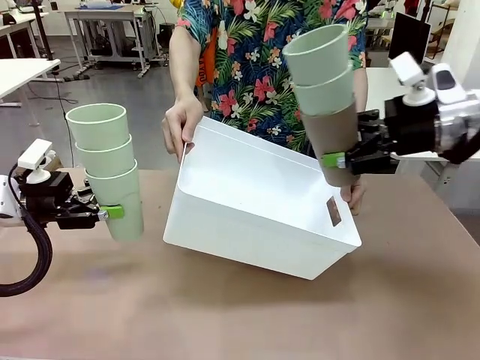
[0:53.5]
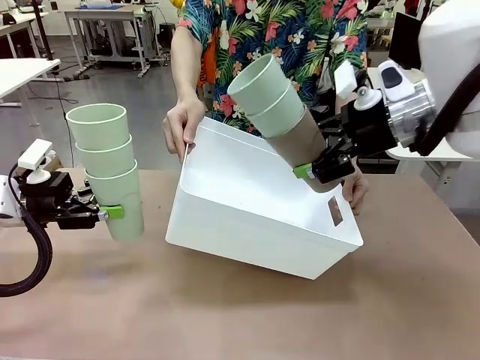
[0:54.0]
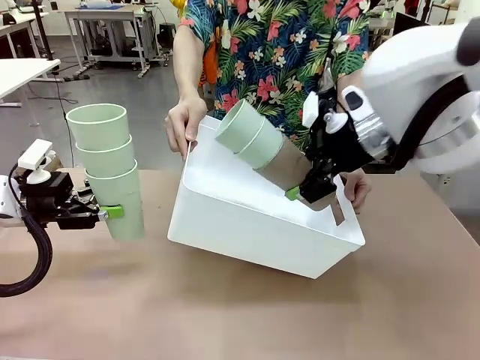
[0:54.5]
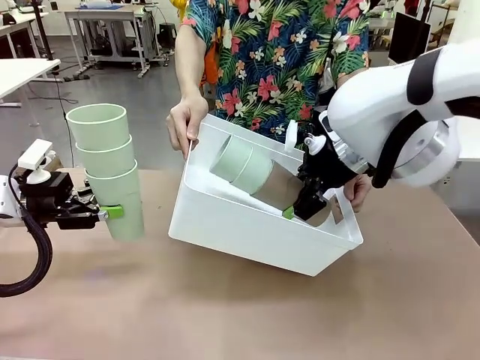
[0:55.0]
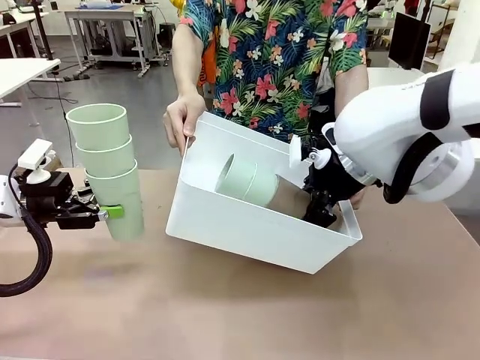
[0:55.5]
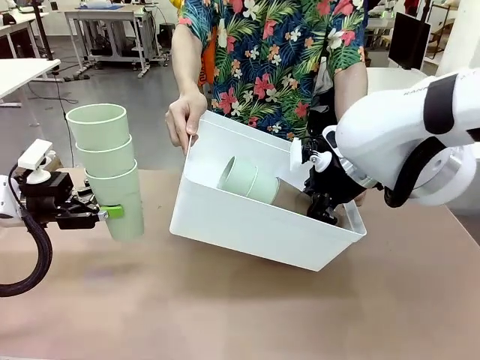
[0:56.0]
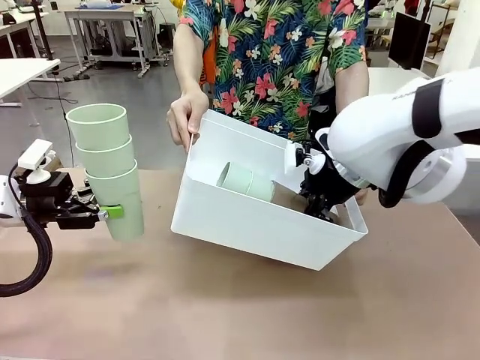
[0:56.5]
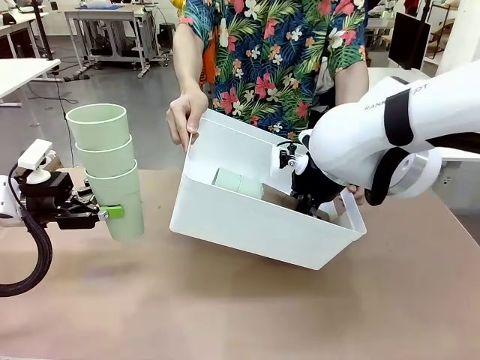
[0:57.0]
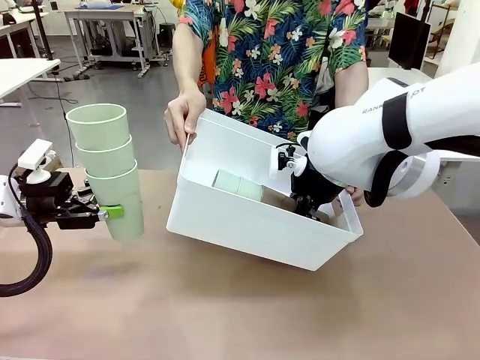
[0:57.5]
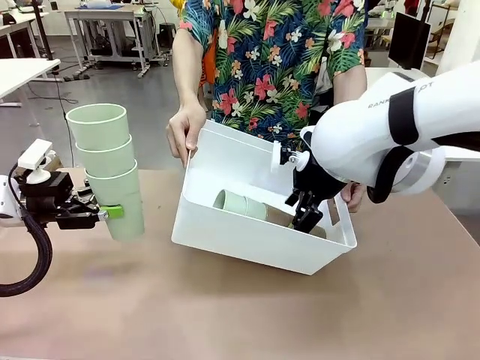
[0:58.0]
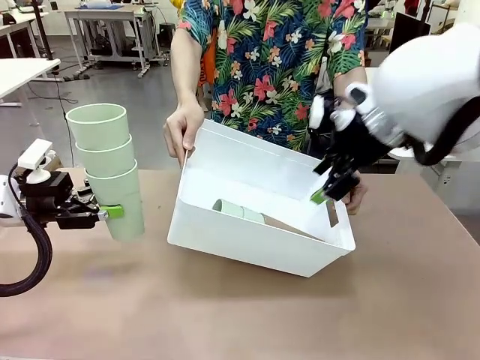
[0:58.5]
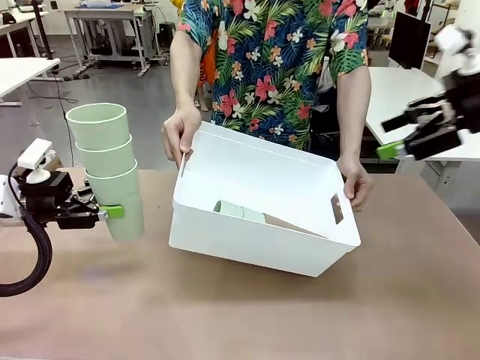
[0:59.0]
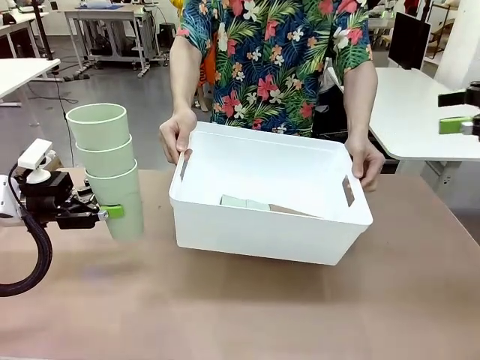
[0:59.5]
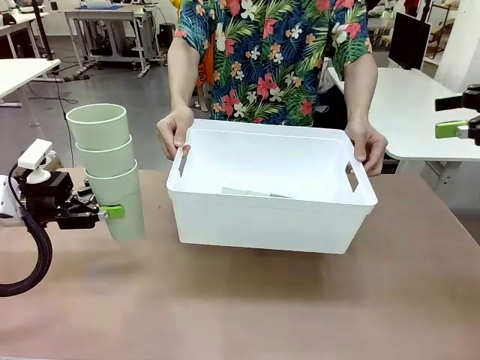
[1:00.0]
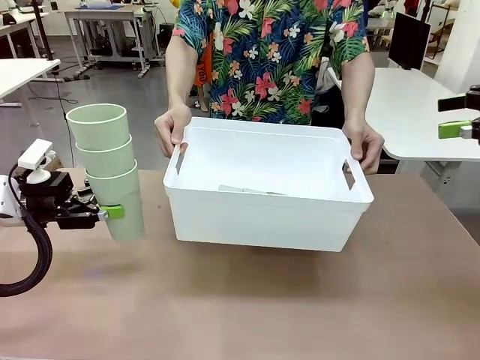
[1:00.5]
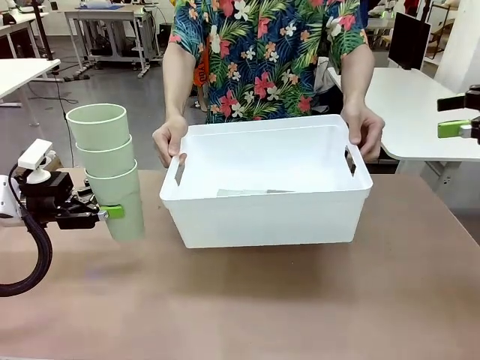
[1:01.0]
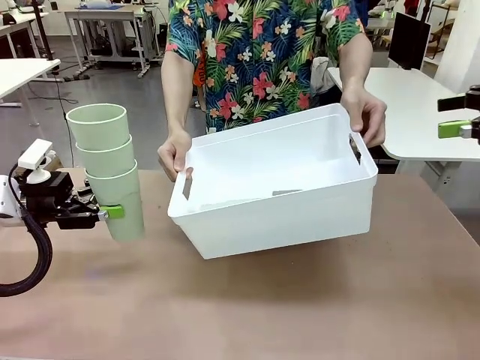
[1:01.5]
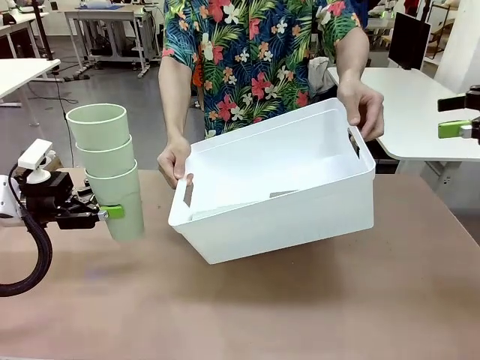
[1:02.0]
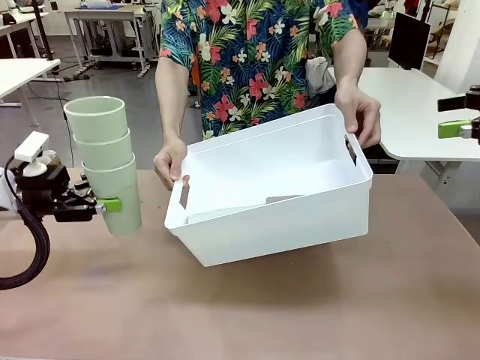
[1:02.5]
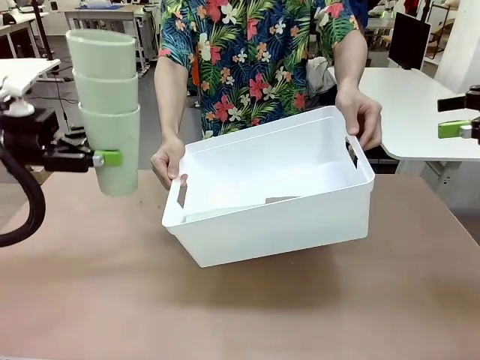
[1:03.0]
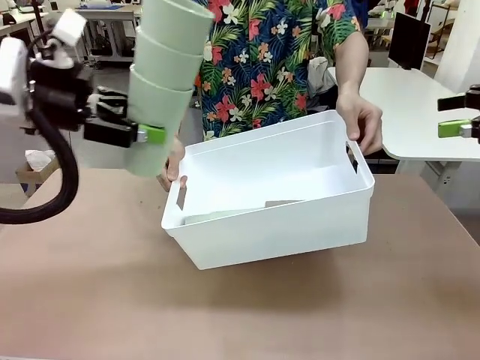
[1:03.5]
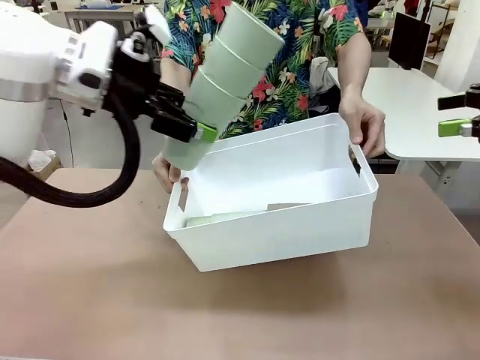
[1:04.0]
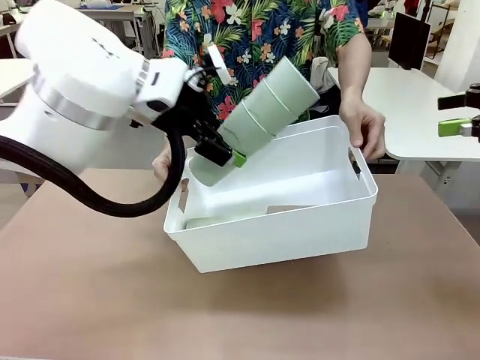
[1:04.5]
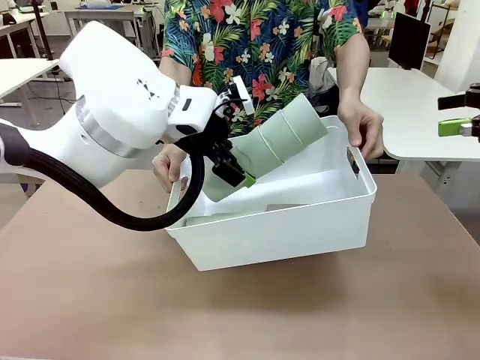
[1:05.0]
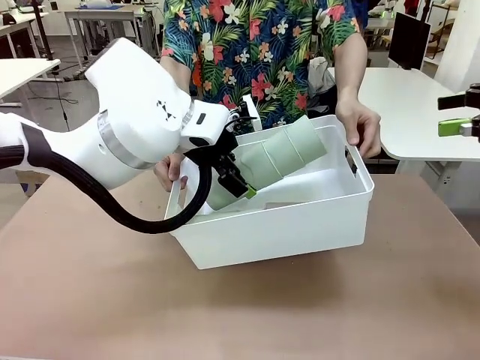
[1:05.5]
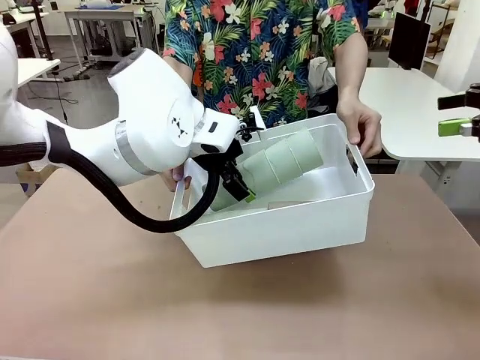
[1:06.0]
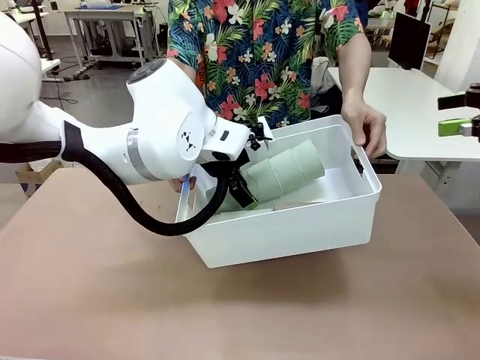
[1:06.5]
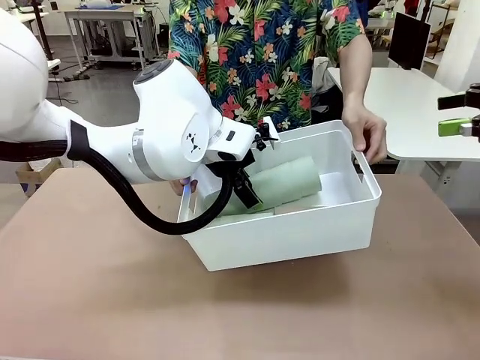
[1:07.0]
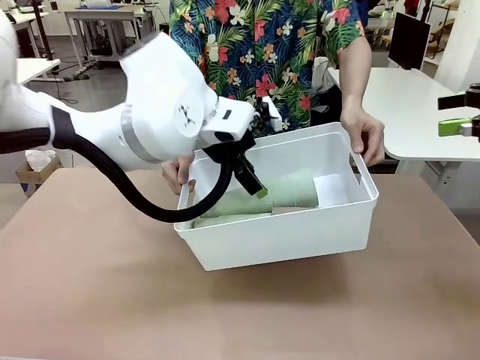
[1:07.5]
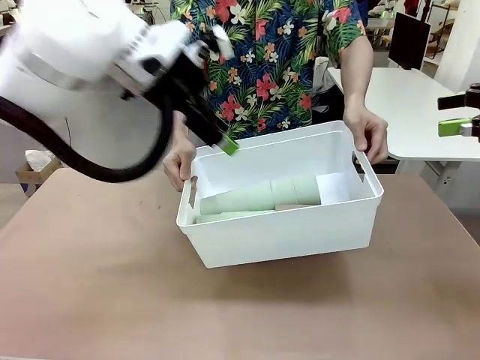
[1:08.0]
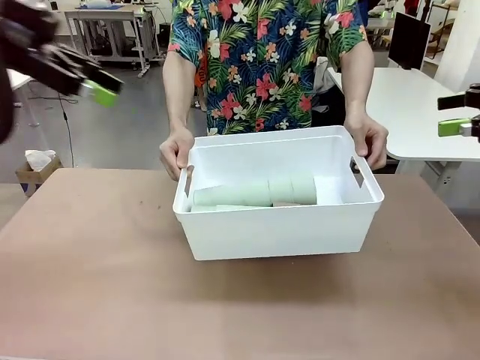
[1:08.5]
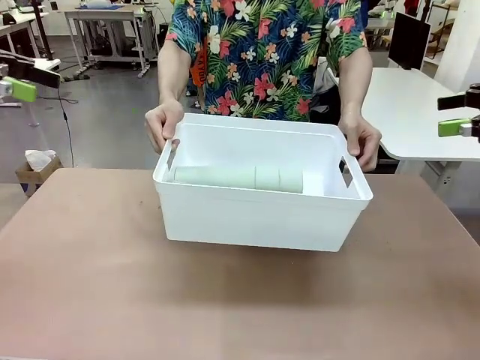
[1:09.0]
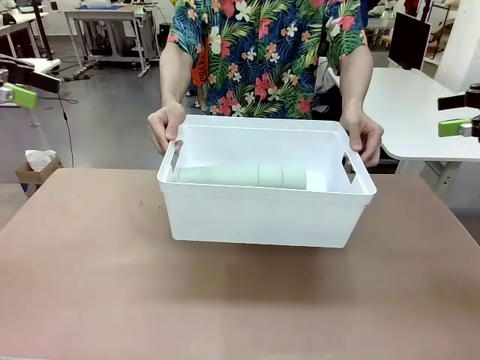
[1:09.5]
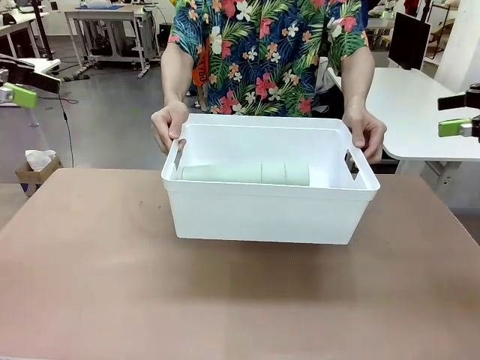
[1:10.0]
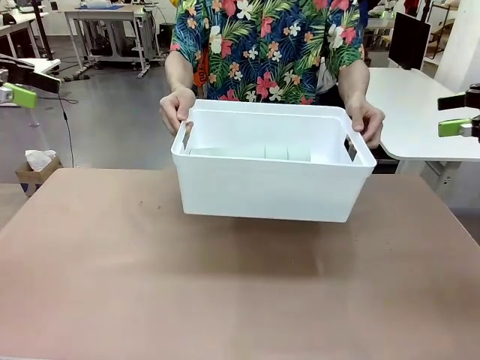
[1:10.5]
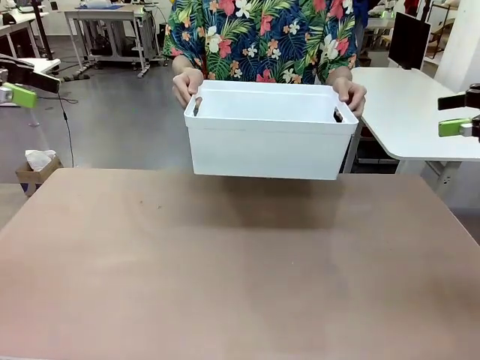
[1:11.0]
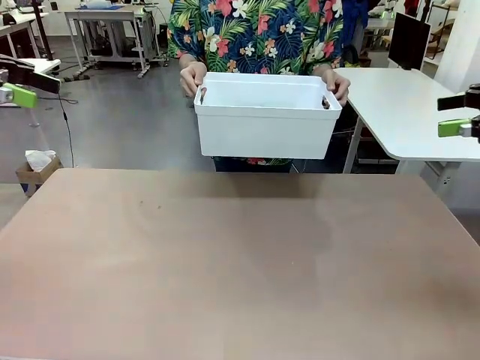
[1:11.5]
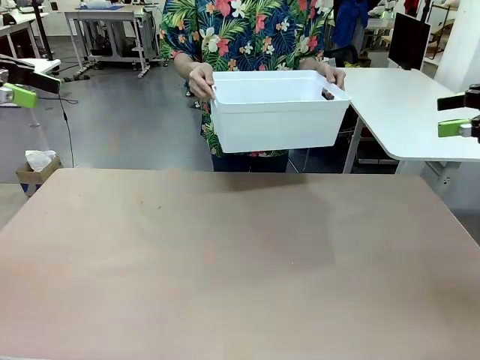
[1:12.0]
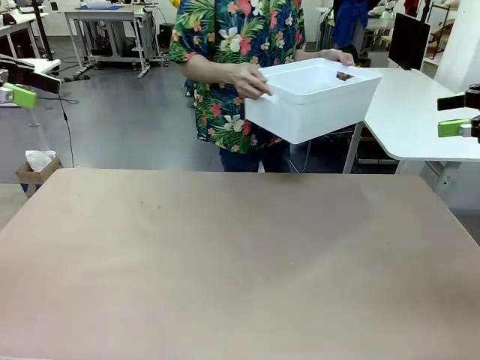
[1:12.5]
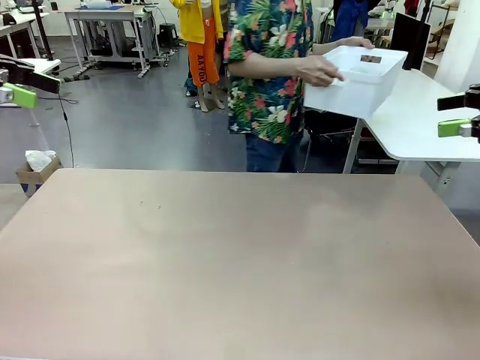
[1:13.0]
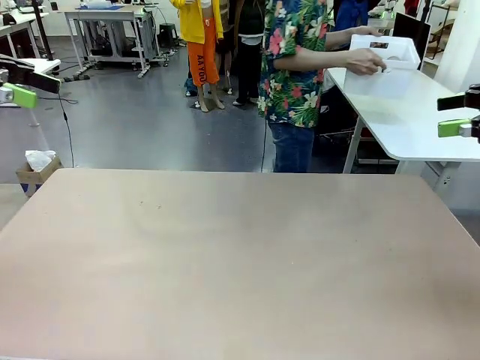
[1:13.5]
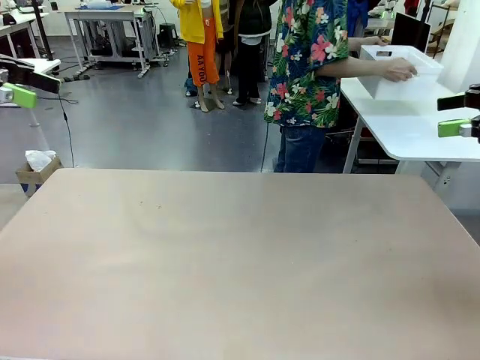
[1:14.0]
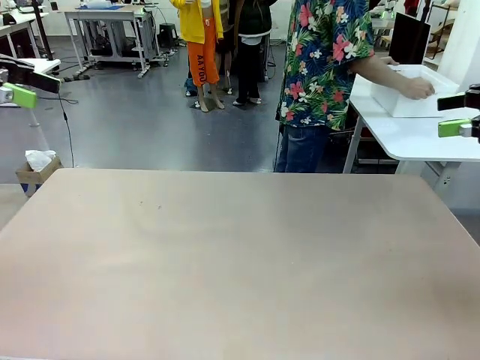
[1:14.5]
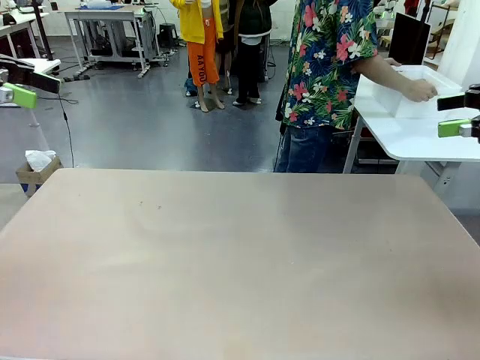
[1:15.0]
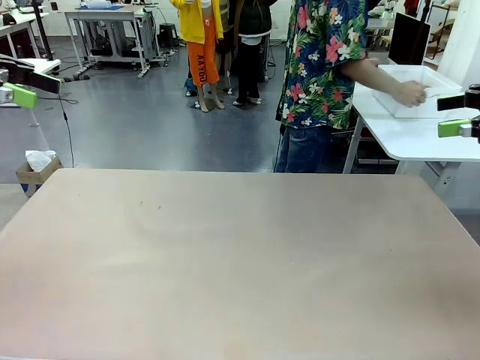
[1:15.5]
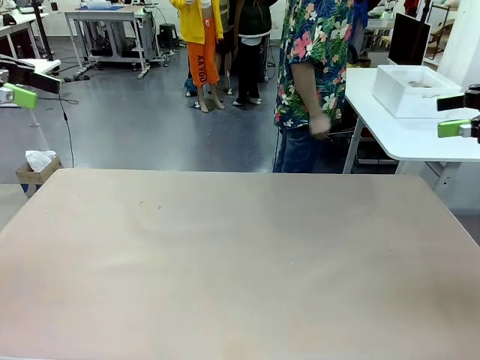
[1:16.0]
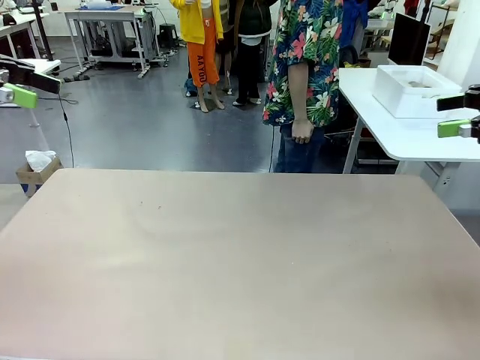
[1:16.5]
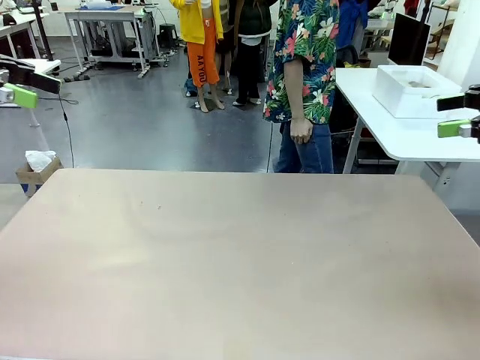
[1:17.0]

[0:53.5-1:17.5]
Task: Stack the cups and store them in the basket.
Robot: Place the stack of Reusable plastic cups into the Pantry Basket.
Person: Place the basket containing the cups in the middle of the Human Table.

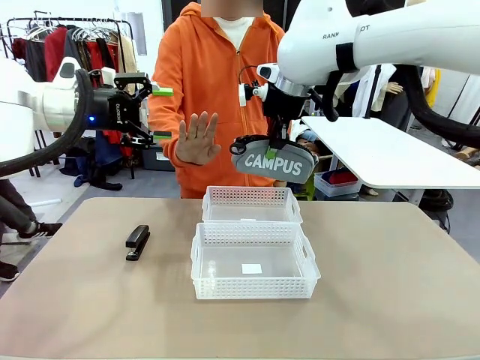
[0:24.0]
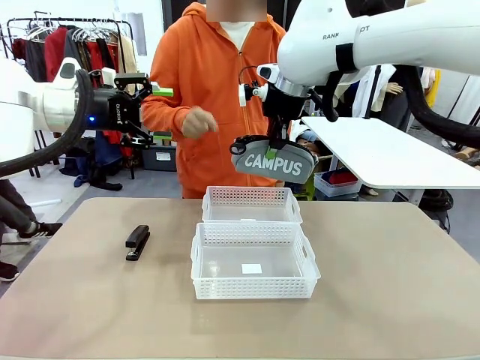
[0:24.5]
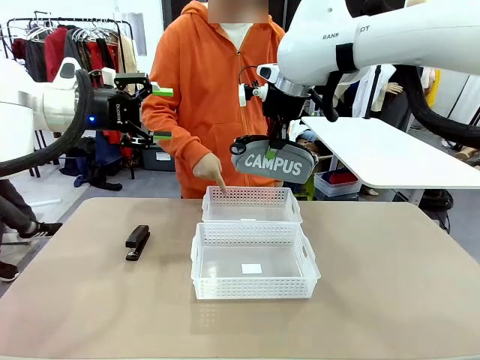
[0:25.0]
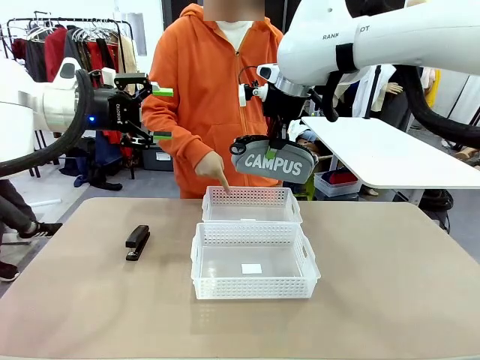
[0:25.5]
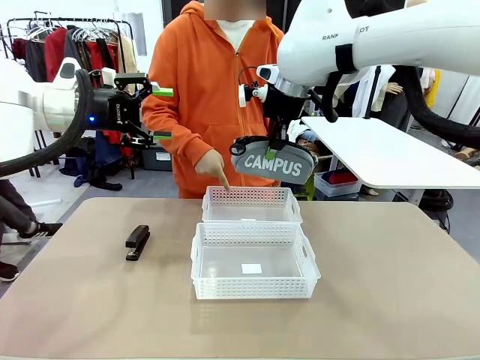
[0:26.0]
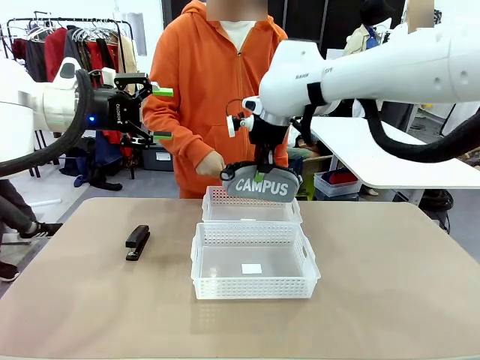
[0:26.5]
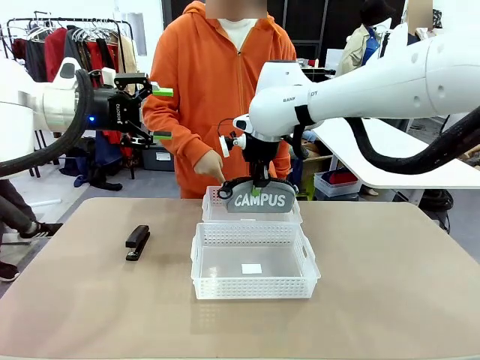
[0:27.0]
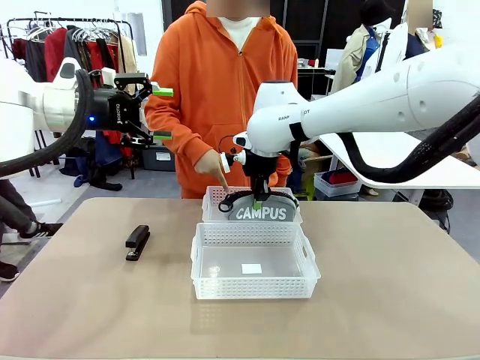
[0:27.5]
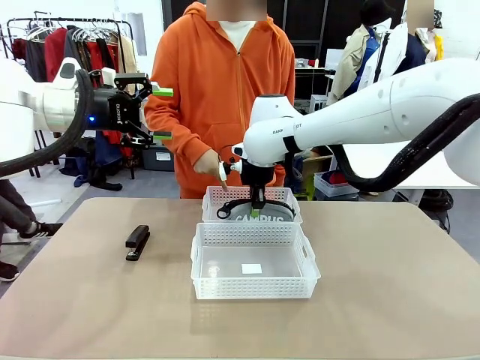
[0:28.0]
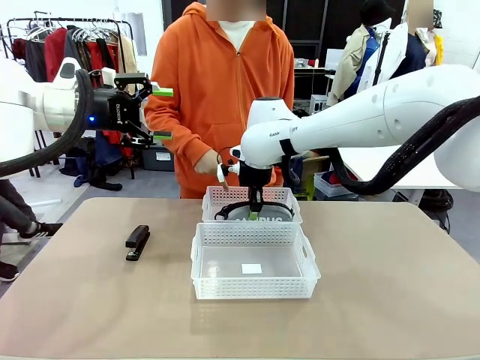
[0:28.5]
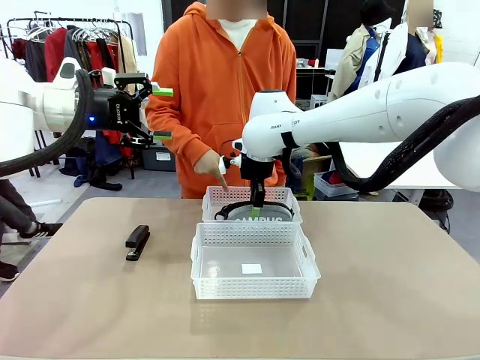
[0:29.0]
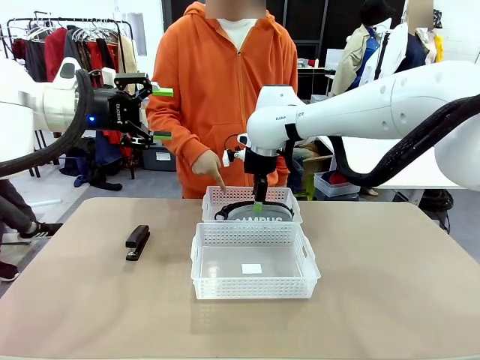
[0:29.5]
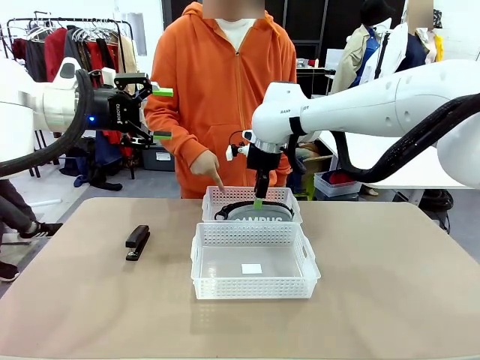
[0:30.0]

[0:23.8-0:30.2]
Task: Distribute items into two baskets.
Robot: Place the picked Pencil pouch into the Organizing basket as instructed by the person.
Person: Instructs the robot to place the pencil case into the opposite basket.
